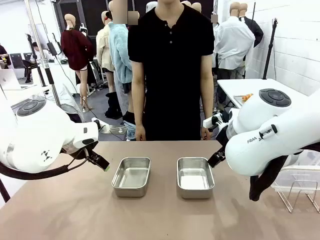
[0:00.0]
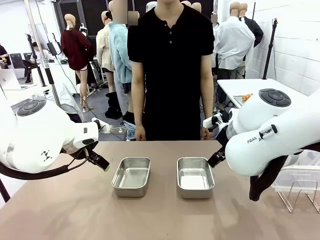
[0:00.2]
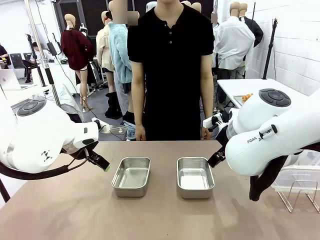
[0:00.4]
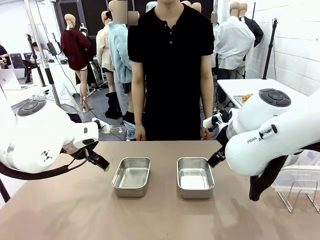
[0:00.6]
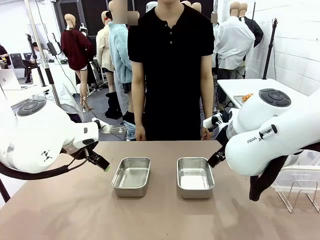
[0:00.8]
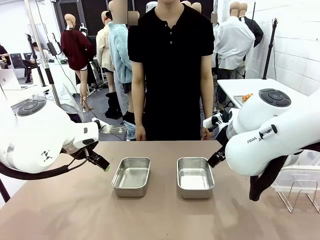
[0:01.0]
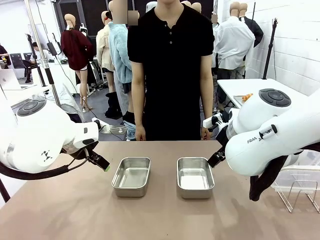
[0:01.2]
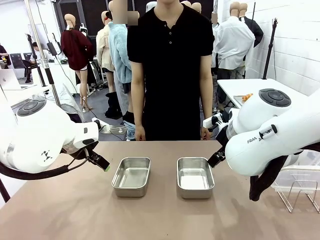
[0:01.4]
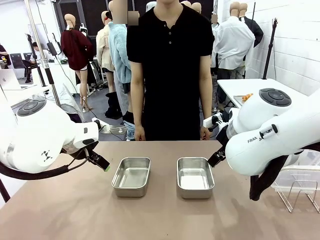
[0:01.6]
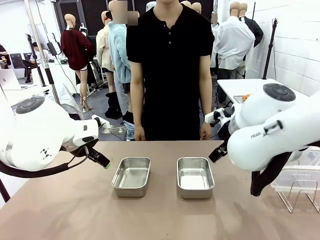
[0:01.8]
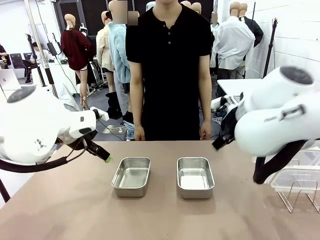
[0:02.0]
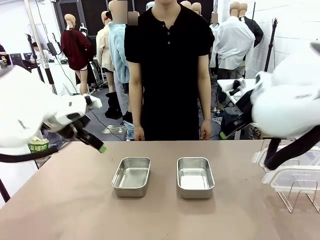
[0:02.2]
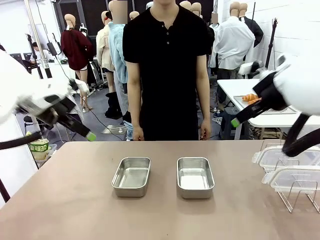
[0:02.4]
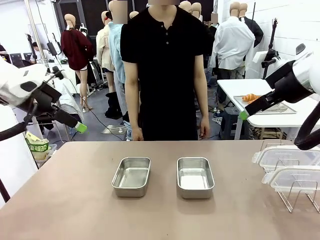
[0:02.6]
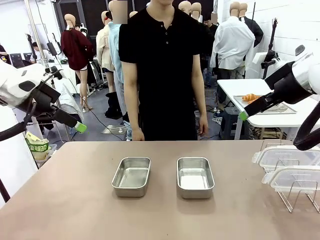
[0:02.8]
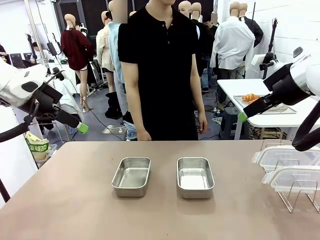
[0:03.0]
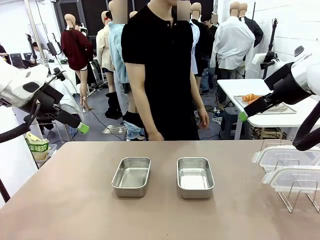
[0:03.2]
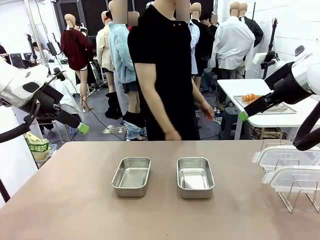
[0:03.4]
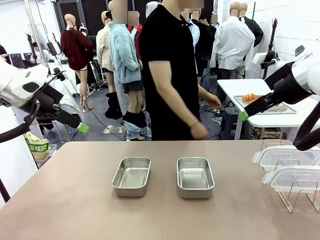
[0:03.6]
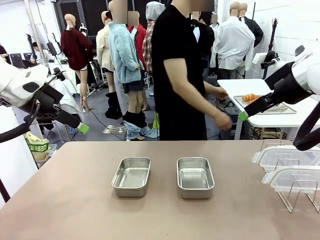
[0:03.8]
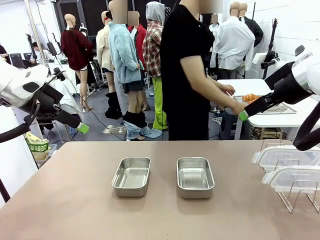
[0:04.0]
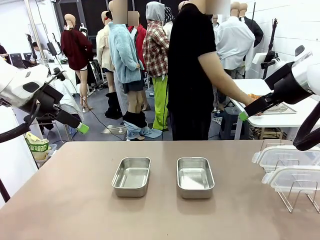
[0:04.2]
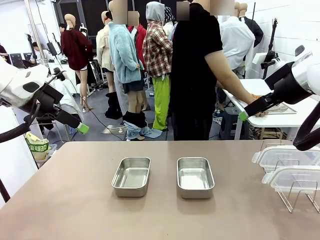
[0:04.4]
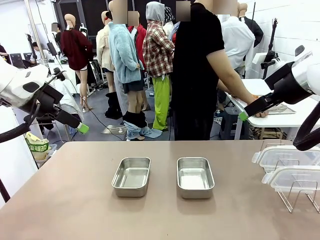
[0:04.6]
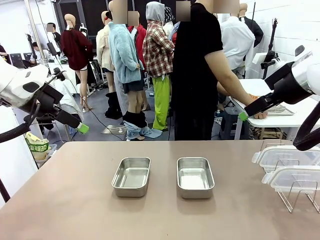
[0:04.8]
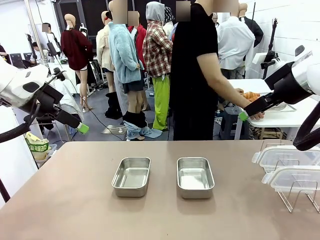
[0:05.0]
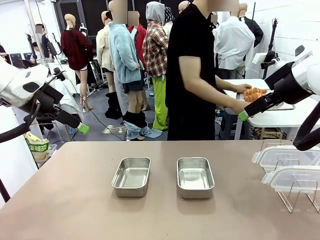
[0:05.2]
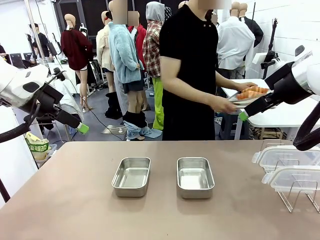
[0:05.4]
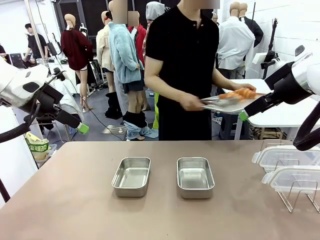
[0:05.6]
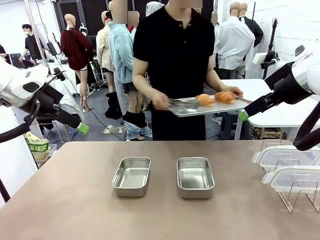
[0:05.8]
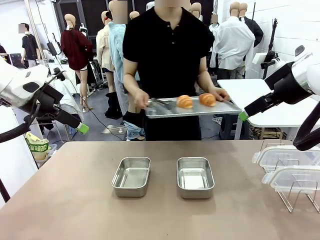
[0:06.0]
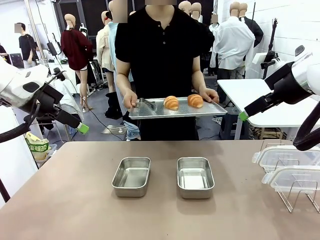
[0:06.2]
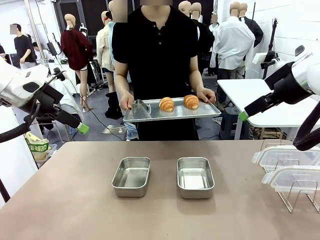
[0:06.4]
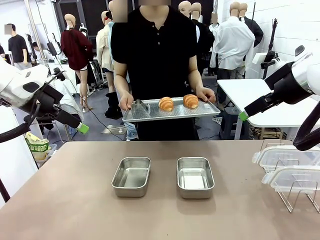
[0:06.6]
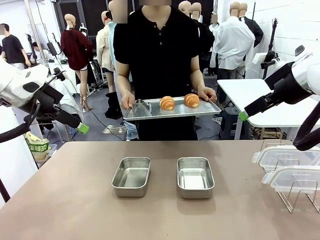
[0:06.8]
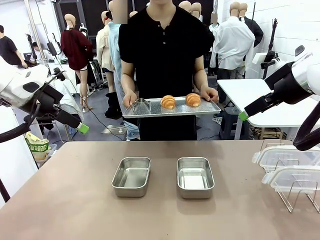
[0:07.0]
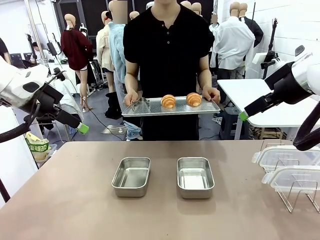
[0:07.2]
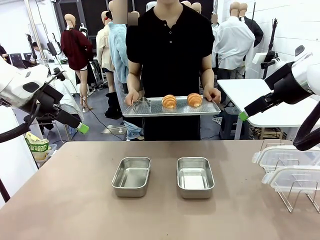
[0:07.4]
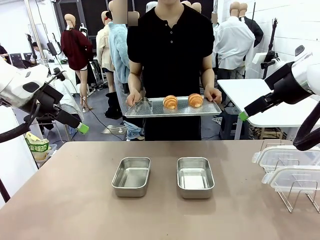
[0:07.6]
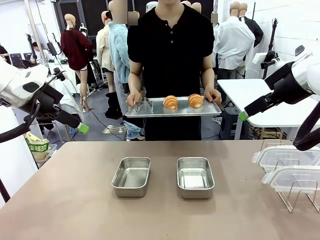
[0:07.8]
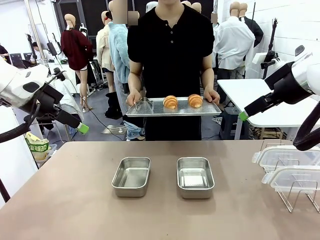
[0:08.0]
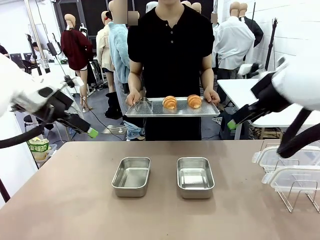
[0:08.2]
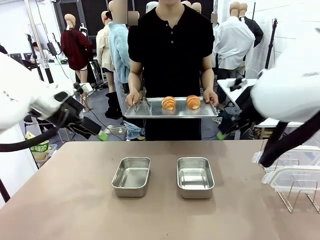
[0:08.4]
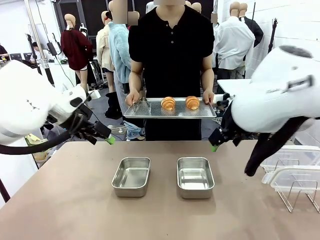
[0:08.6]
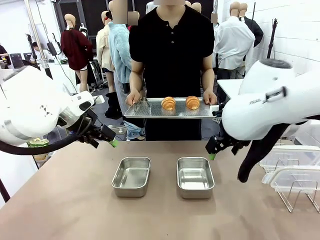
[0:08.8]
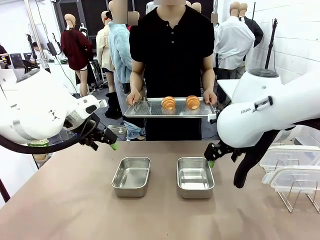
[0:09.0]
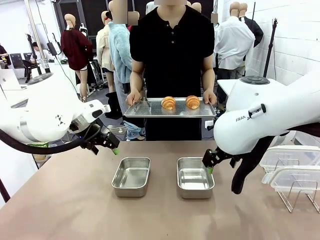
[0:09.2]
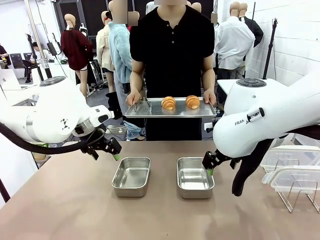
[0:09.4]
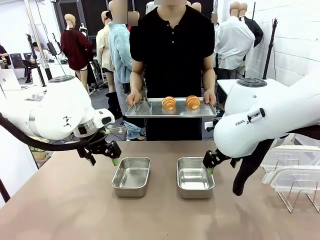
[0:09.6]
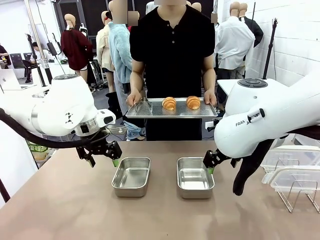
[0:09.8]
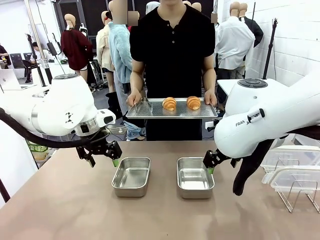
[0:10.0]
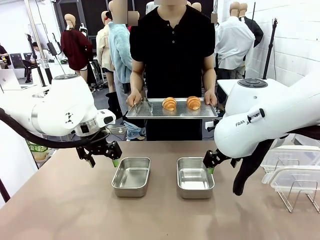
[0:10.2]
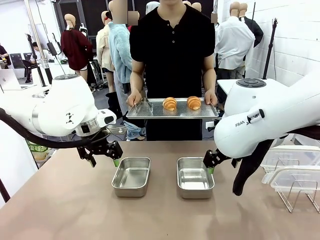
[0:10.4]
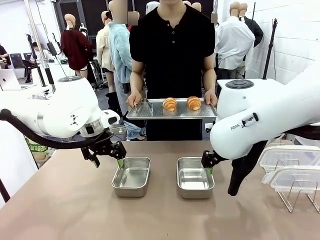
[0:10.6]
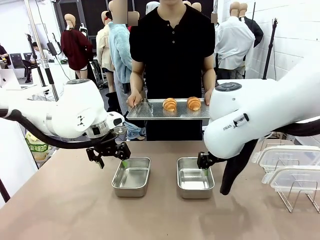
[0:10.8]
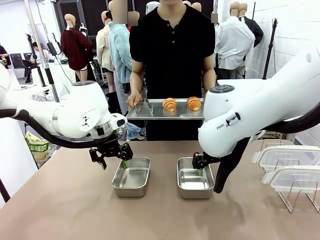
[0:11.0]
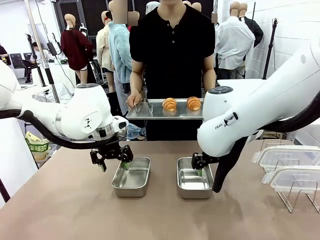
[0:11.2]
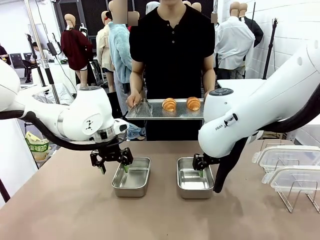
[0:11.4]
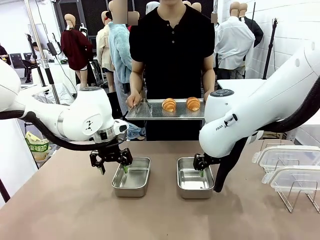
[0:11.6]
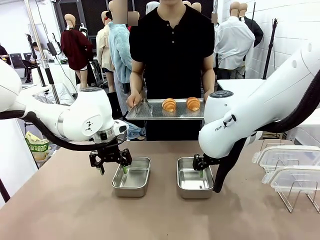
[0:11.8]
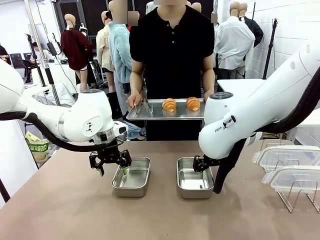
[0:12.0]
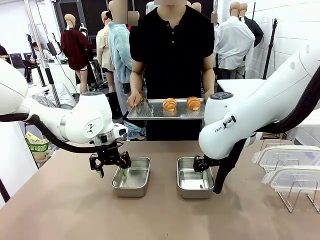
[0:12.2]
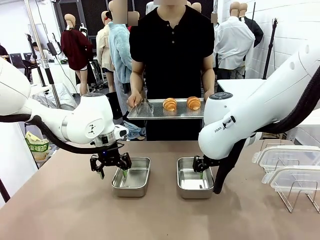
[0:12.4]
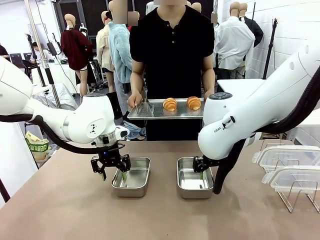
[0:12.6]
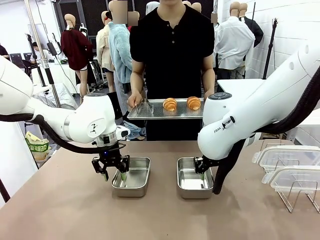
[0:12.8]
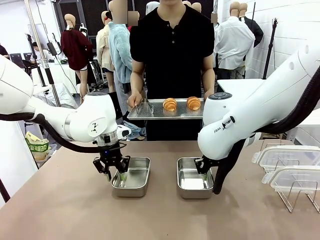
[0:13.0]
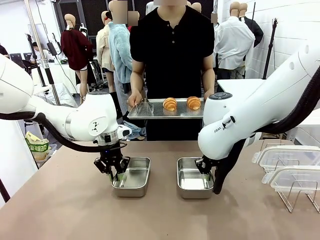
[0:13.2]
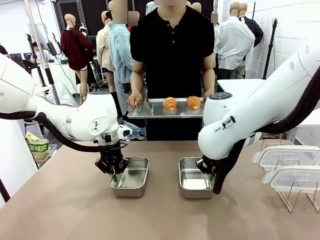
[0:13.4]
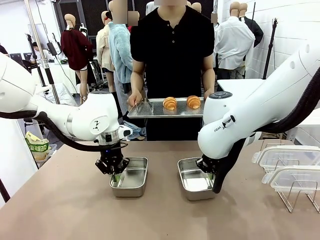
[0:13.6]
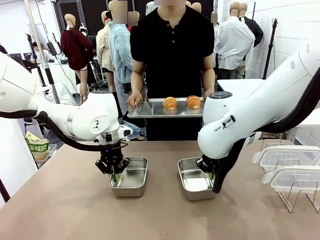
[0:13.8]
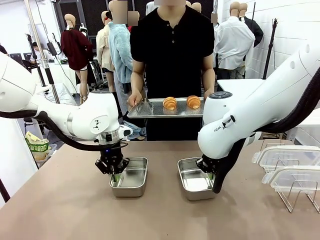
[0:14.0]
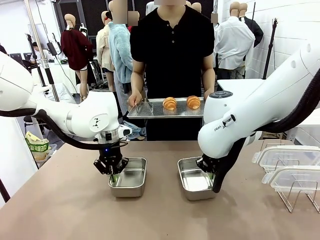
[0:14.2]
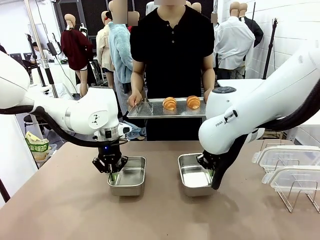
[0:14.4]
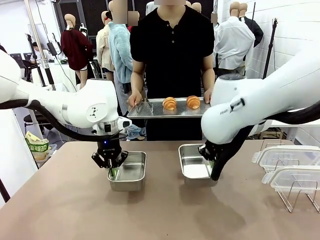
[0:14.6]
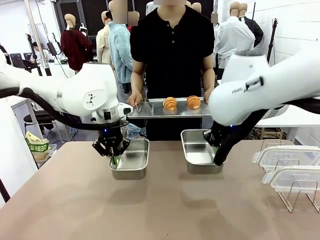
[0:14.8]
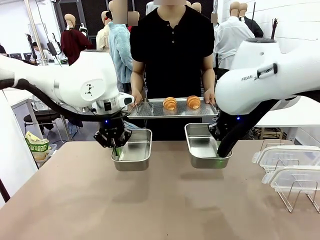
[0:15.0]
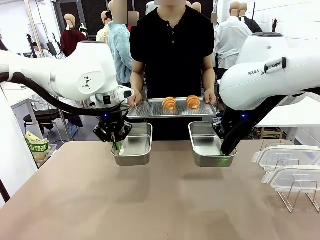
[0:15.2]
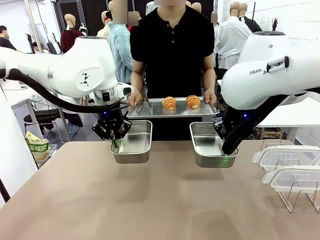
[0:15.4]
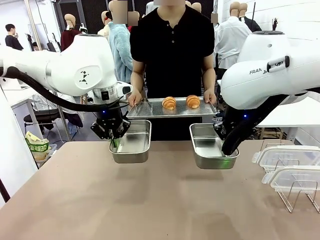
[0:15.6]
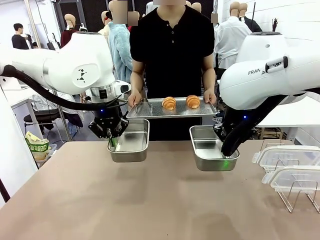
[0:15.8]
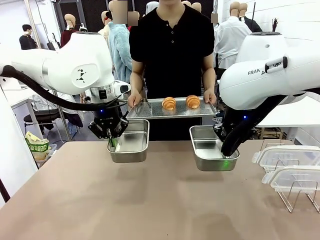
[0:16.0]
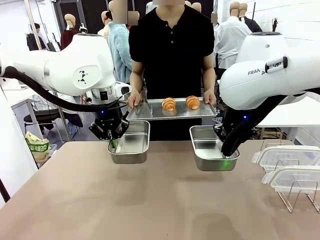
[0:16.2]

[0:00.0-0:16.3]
Task: Place the bread in airtight containers.
Robot: Lift both Airtight Container.
Person: Bring the Baking Sheet in front of Robot's Table.

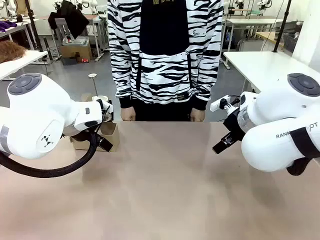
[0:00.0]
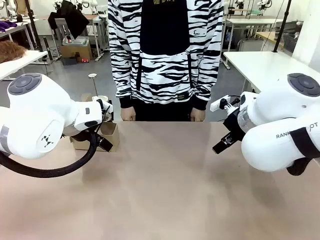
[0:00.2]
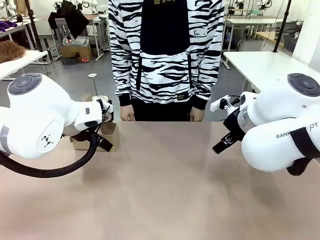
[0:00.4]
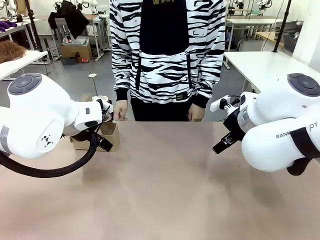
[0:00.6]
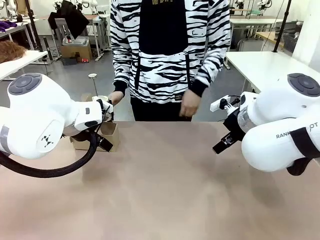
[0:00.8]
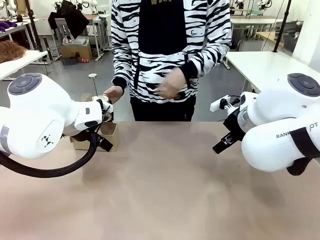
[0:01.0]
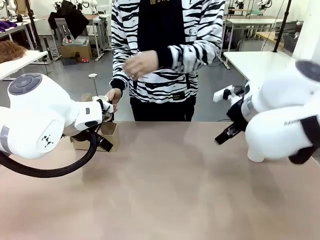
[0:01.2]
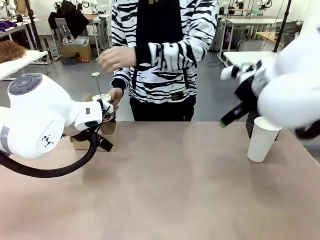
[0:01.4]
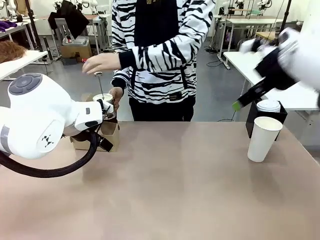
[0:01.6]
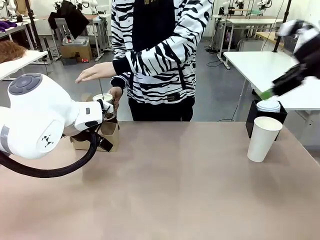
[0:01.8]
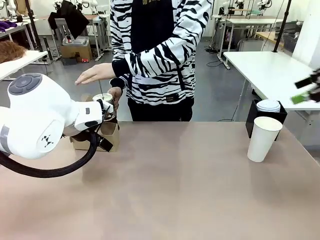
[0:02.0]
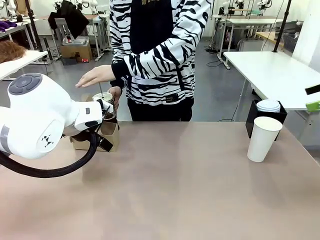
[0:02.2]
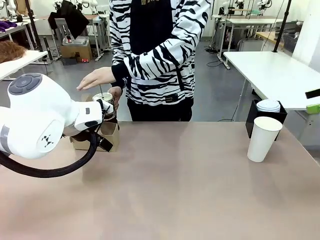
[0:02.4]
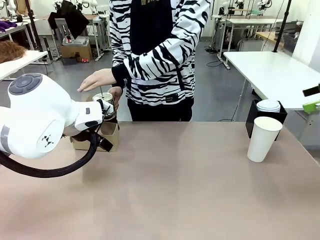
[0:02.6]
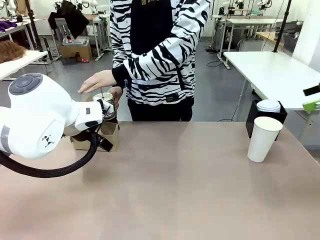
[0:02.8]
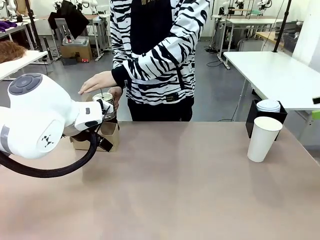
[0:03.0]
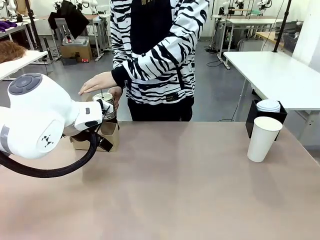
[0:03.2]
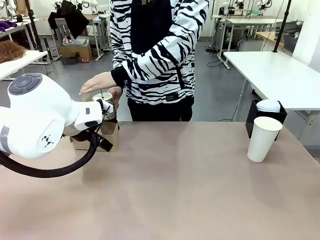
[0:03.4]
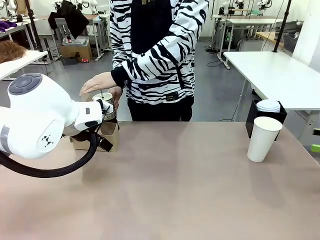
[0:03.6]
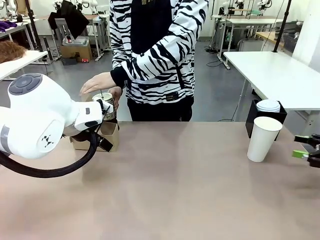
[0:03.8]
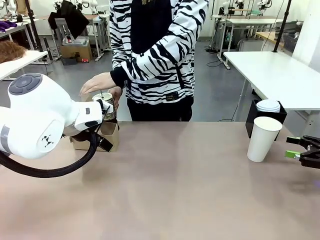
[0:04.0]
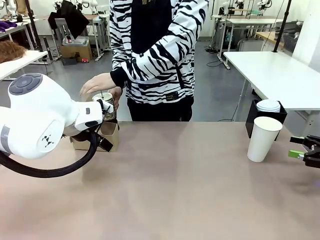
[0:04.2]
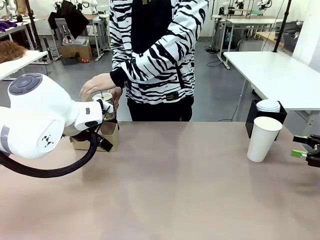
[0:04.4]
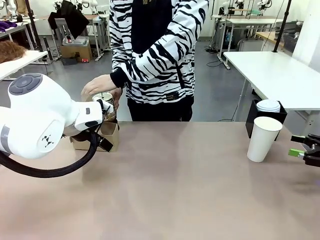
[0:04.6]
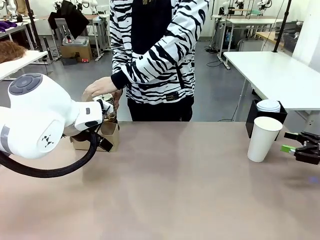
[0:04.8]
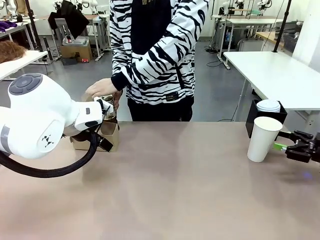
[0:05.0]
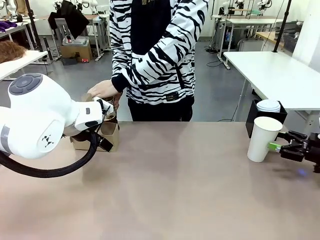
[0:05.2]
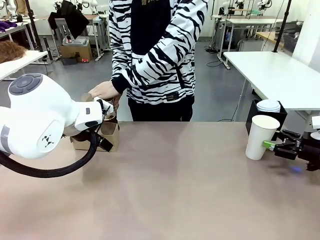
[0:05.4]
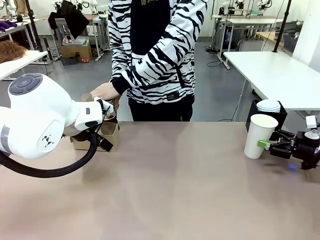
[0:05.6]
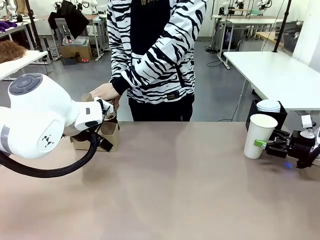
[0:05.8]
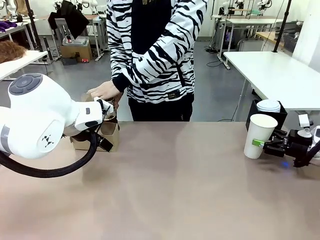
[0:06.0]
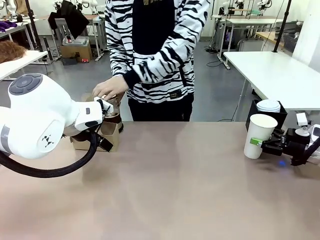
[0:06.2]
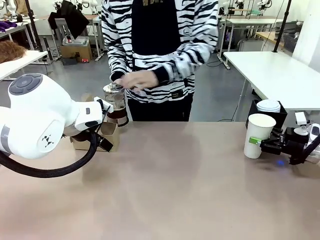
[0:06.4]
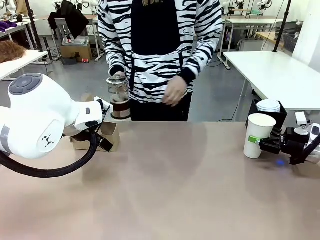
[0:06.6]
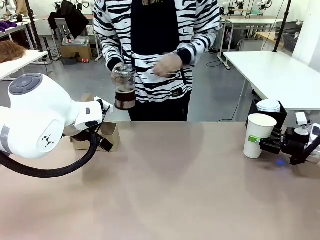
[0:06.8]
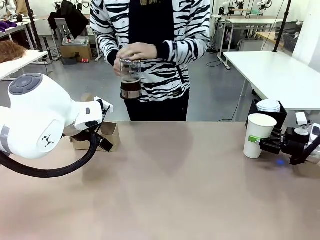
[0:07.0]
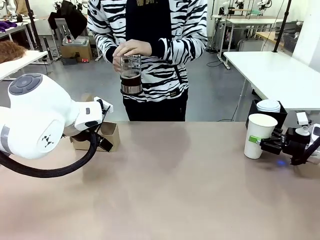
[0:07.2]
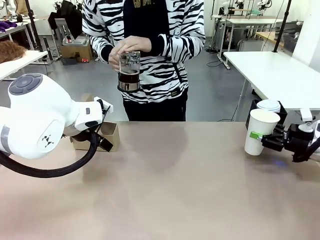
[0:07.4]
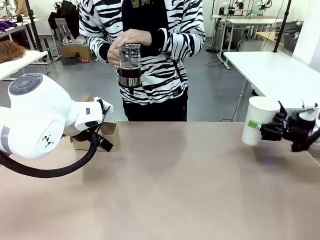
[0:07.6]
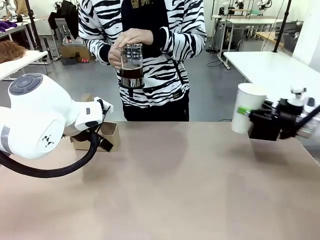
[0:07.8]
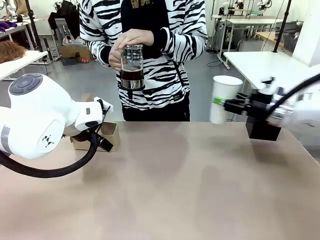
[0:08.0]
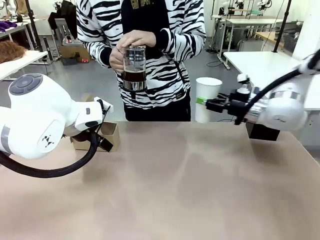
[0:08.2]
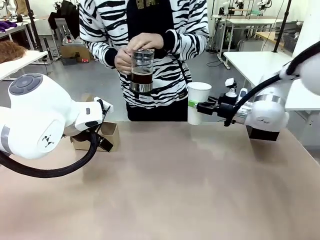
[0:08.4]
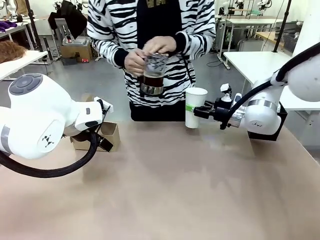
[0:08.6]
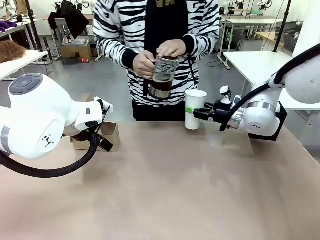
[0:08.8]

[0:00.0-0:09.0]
Task: Pour a drink into a cup and package it in a carrier.
Robot: Pick up the 600 ml Paper Cup and place it in the middle top area of the table.
Person: Press and pick up the Filter Brewing.
